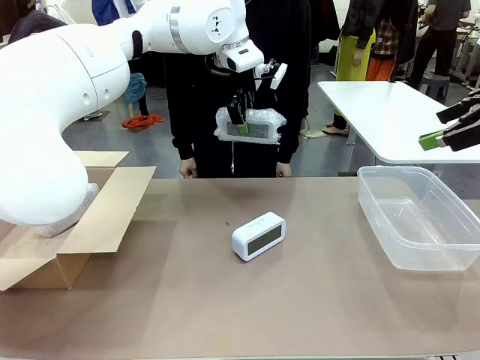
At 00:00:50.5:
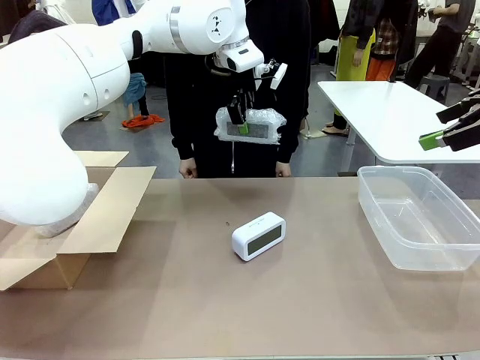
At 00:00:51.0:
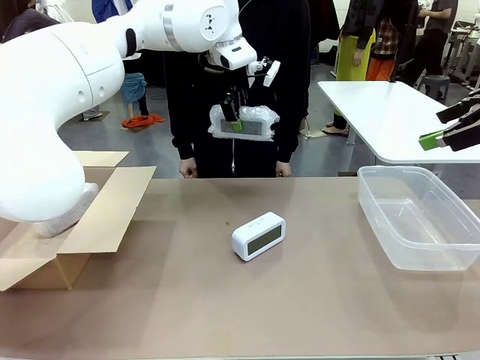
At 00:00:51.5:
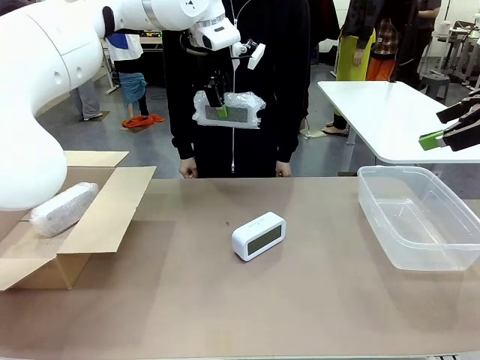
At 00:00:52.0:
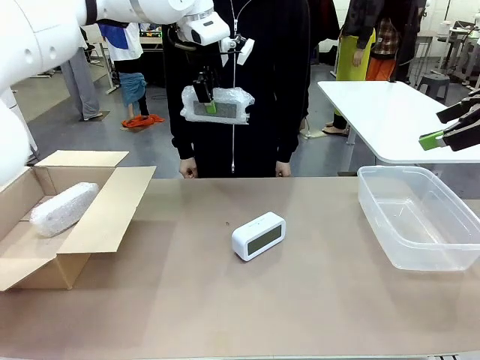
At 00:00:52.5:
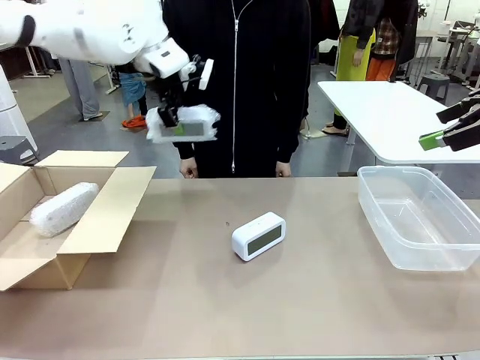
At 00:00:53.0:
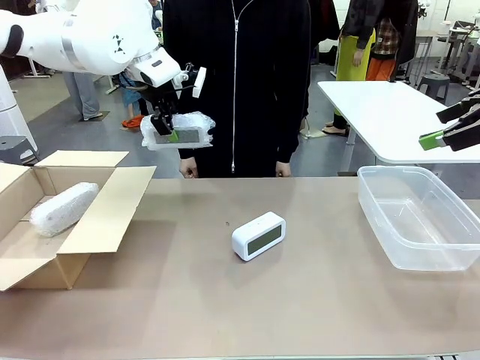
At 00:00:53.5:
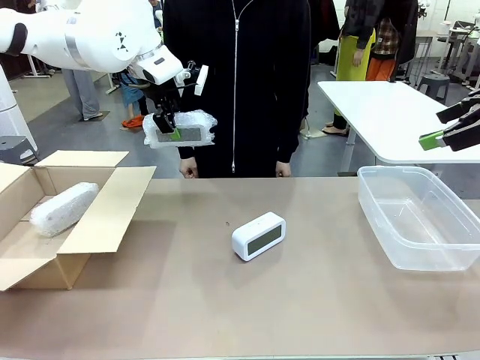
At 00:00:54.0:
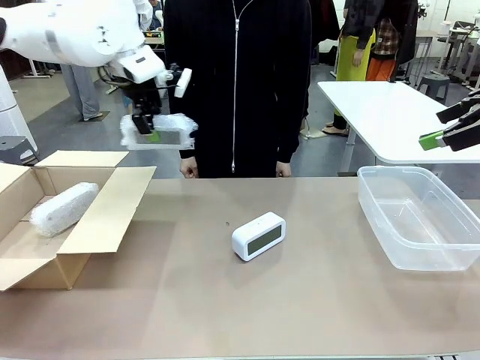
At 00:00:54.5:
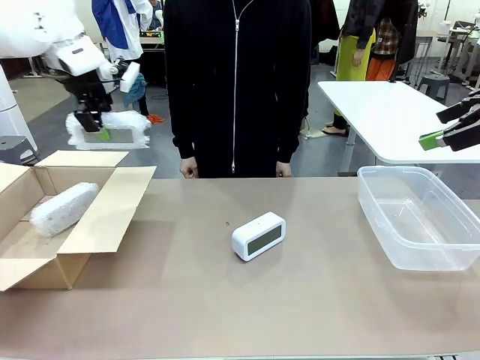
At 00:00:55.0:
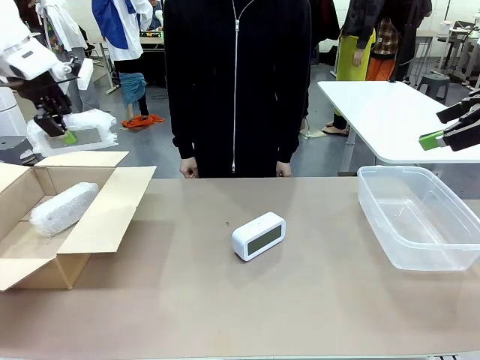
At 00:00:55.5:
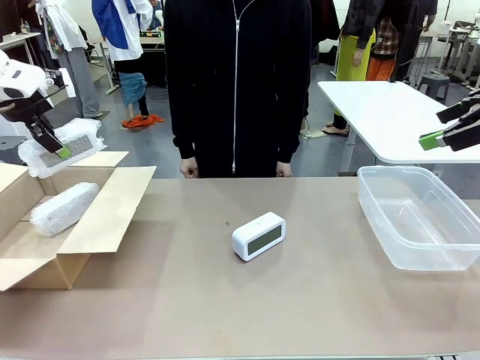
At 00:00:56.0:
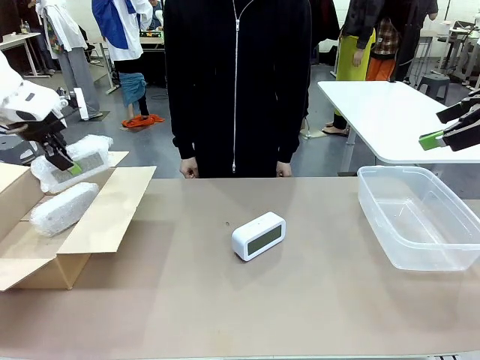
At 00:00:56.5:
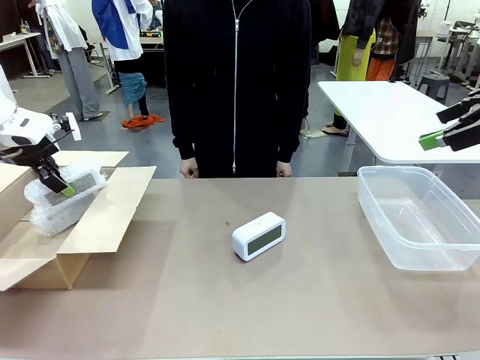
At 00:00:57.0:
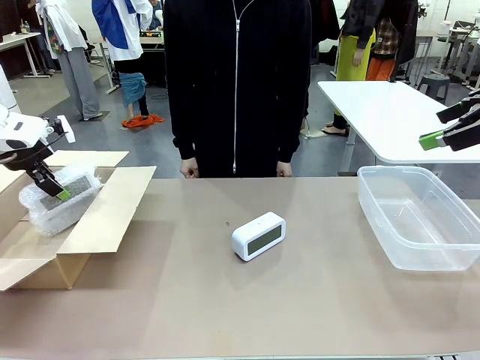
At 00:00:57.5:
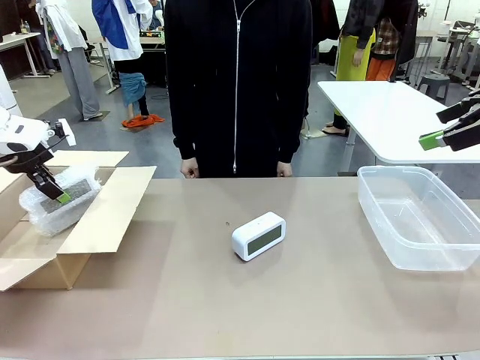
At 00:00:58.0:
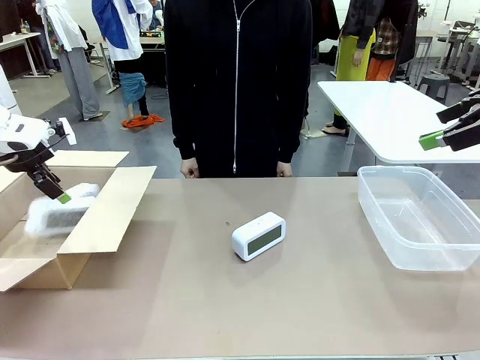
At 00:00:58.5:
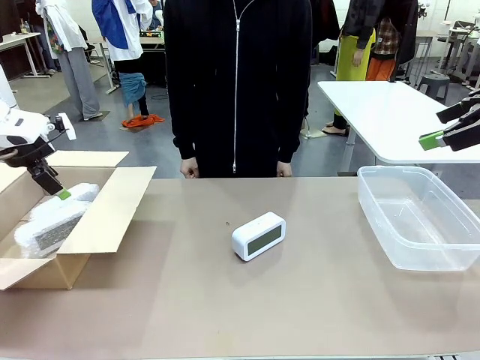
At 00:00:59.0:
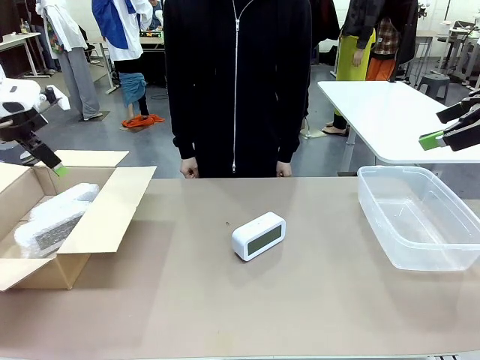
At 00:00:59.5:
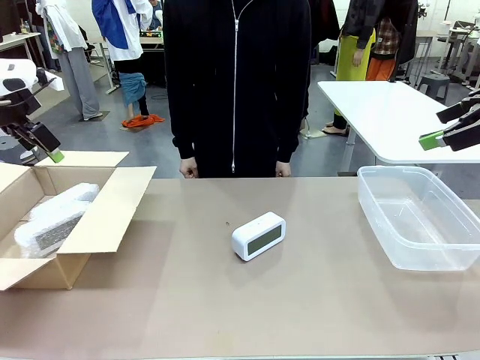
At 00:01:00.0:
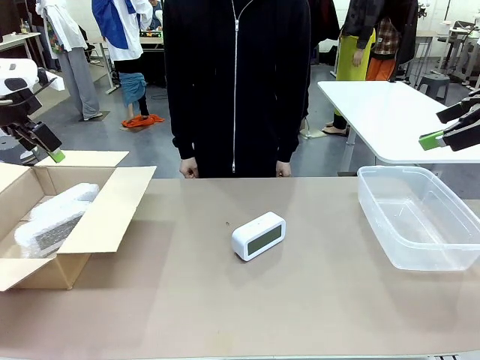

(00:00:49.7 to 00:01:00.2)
Task: Separate and place wrapped and unwrapped clocks.
Robot: If the picked Digital clock is wrapped, place it in the Package Box ; if not, place it in the Organizing box.

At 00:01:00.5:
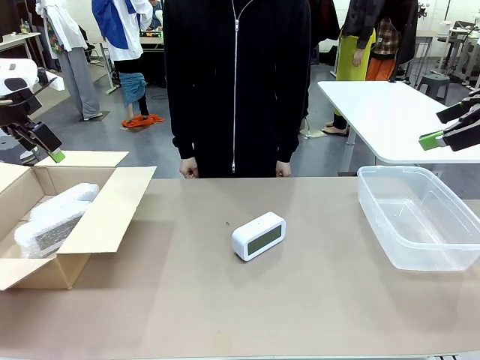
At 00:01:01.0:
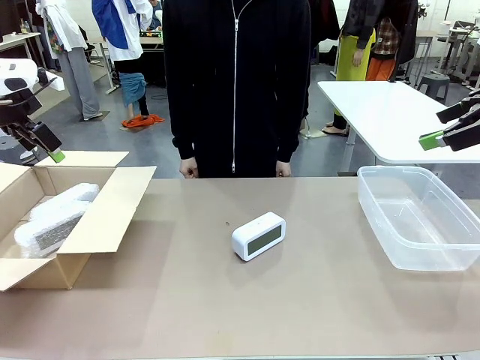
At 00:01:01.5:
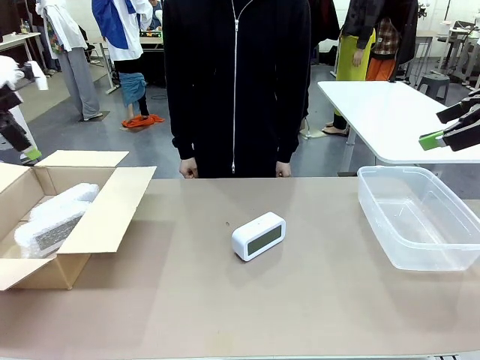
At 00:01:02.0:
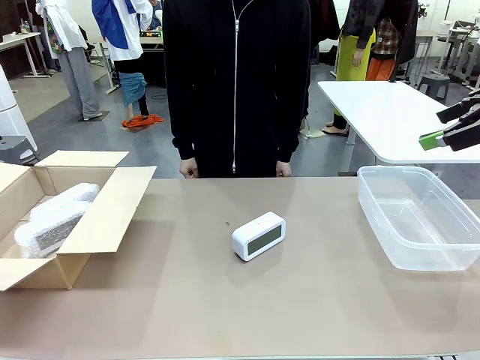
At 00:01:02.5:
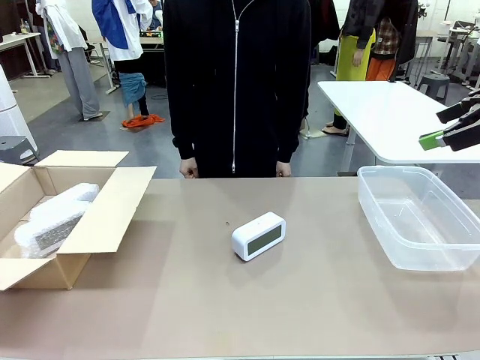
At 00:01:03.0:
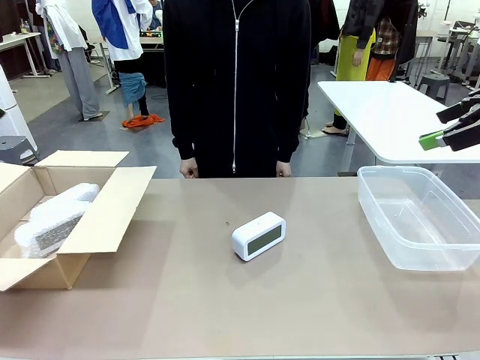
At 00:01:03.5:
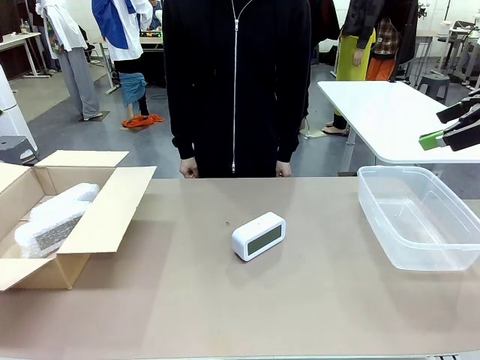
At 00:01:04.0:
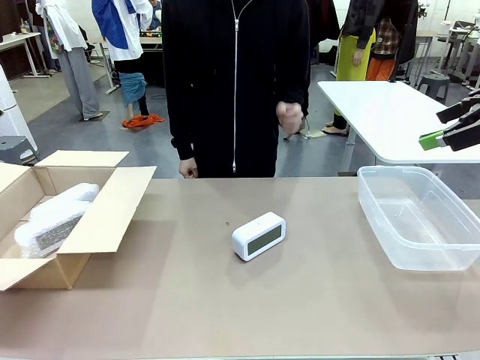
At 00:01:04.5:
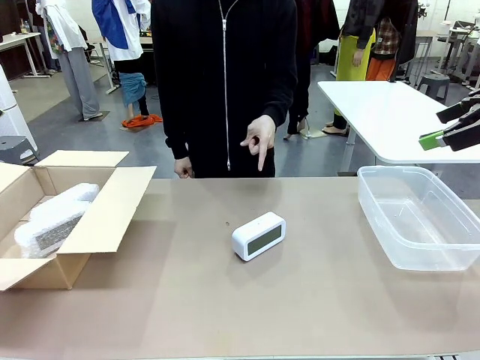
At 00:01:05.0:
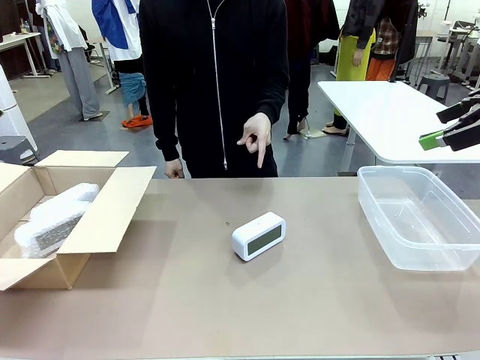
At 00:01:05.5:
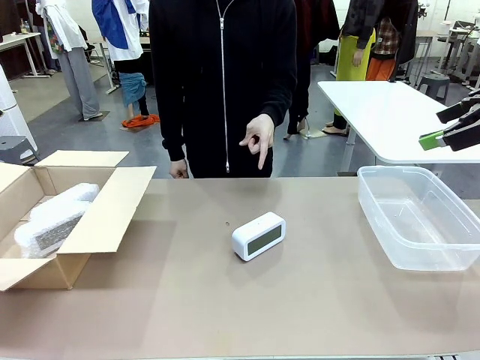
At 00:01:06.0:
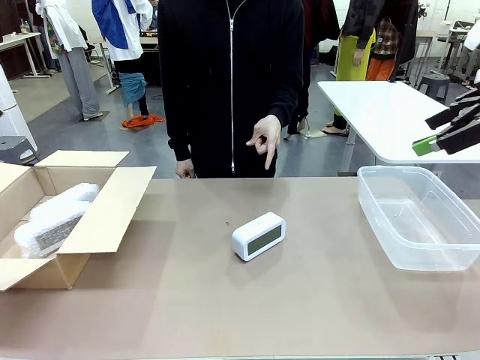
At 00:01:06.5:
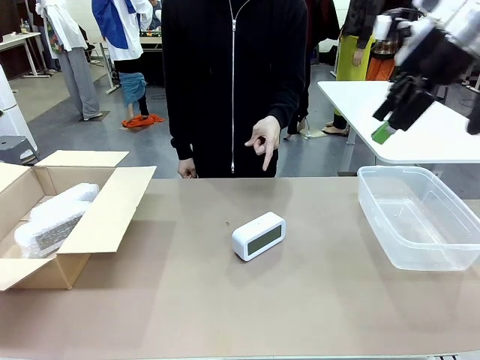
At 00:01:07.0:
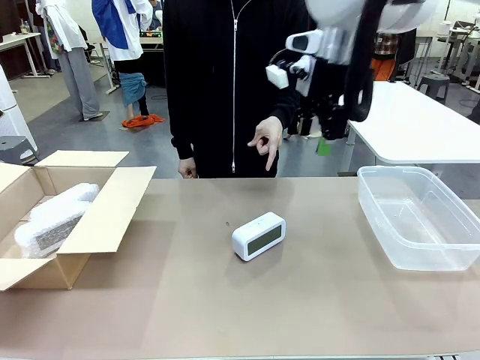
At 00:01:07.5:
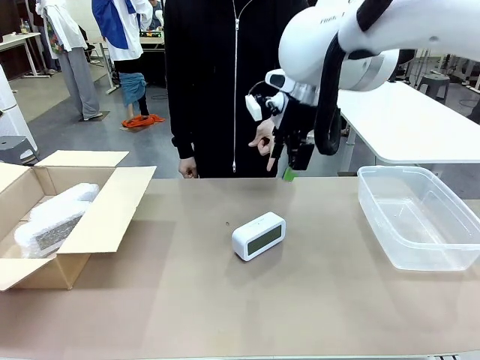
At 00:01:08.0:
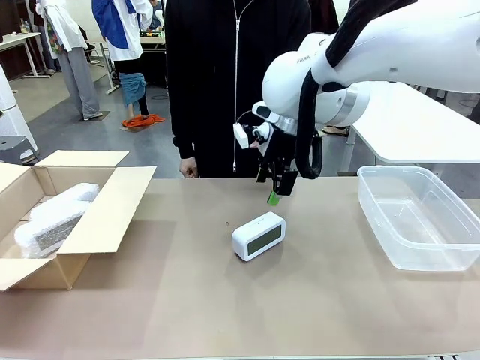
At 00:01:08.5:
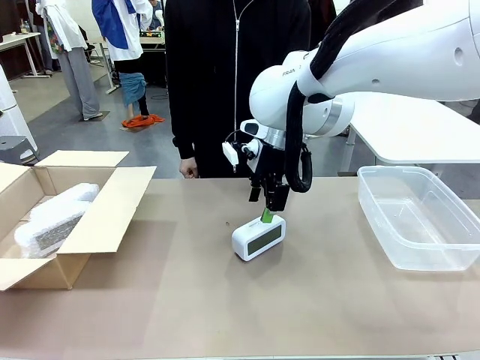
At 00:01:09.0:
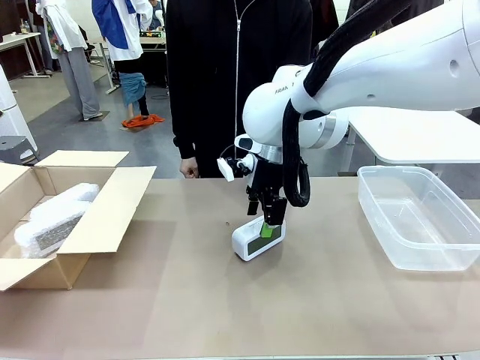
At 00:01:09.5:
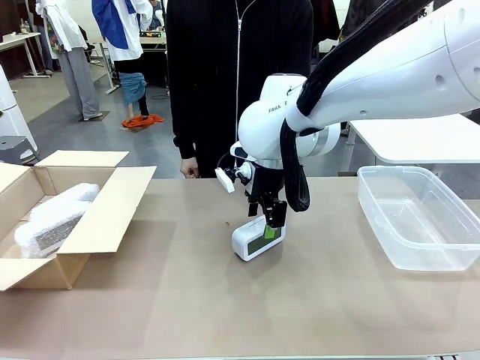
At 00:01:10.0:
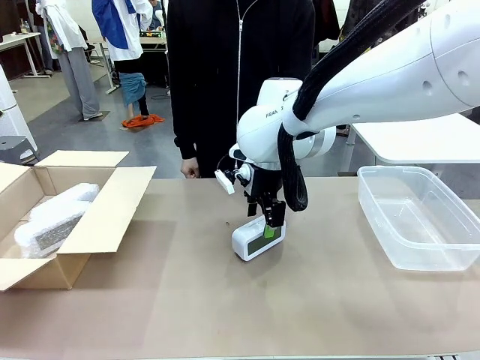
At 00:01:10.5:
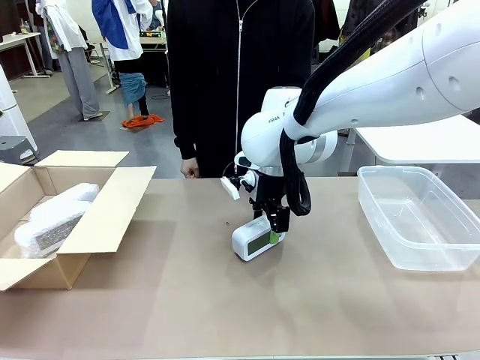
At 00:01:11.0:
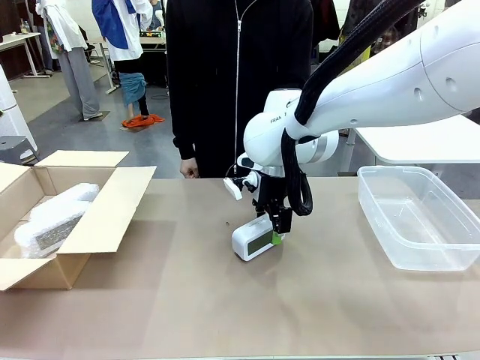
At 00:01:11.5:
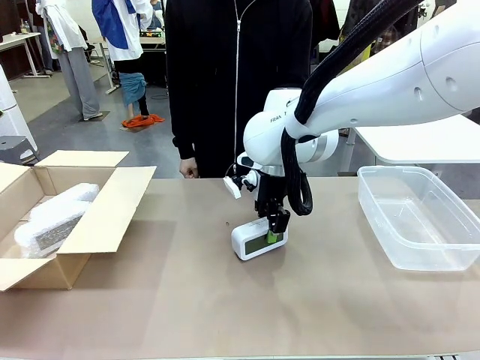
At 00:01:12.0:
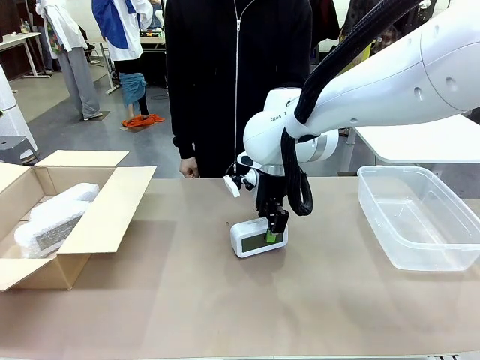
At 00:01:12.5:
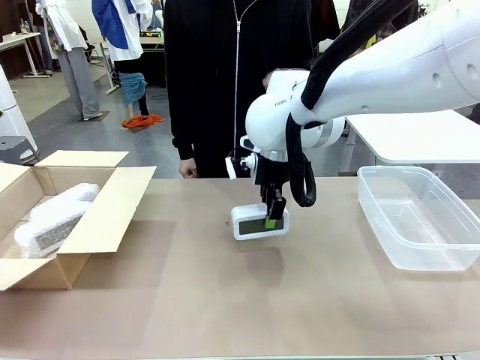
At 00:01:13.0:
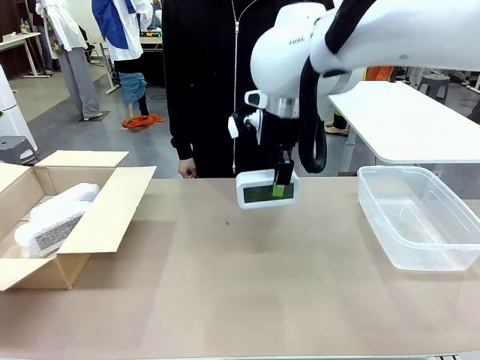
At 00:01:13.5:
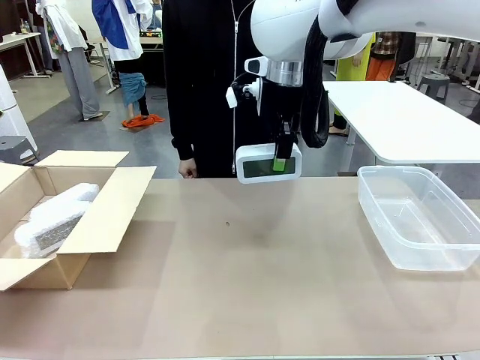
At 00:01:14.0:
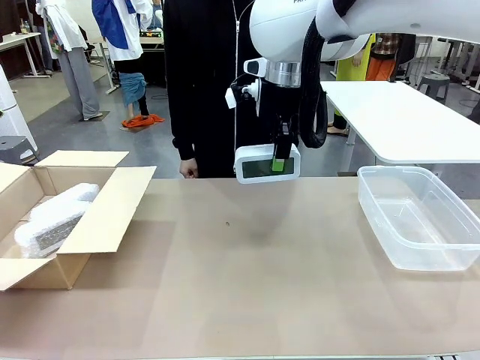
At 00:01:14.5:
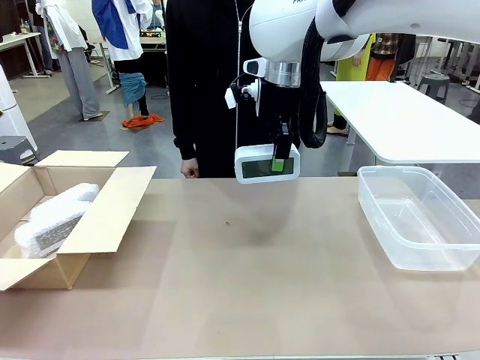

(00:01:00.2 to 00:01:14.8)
Robot: Pick up the Digital clock indicated by the person.
